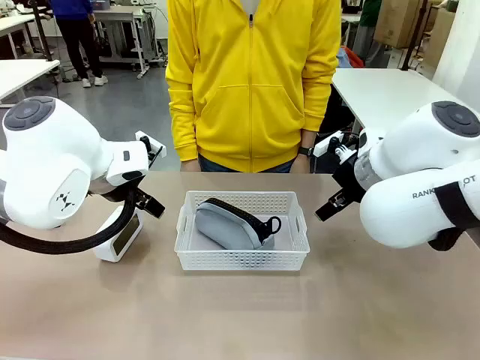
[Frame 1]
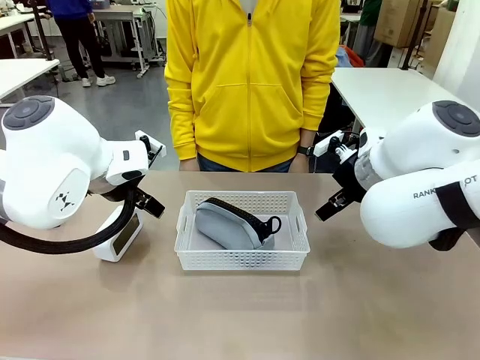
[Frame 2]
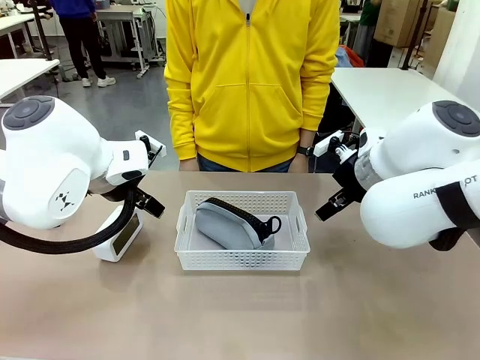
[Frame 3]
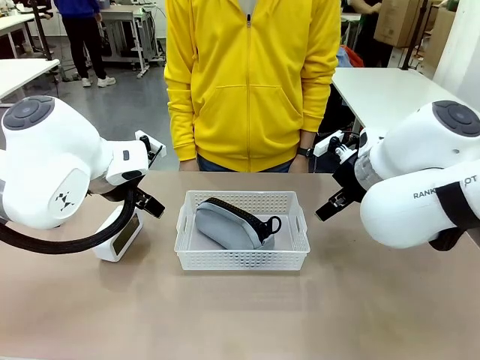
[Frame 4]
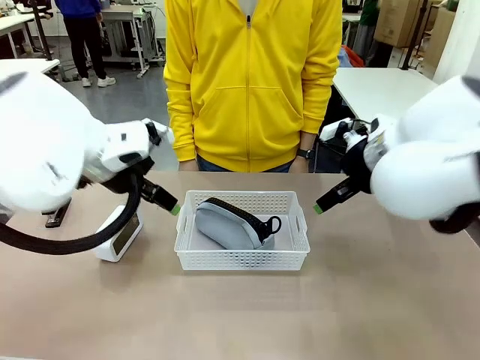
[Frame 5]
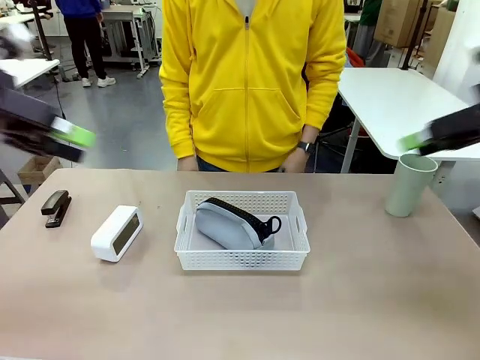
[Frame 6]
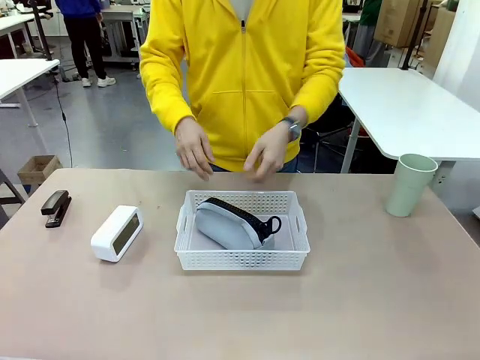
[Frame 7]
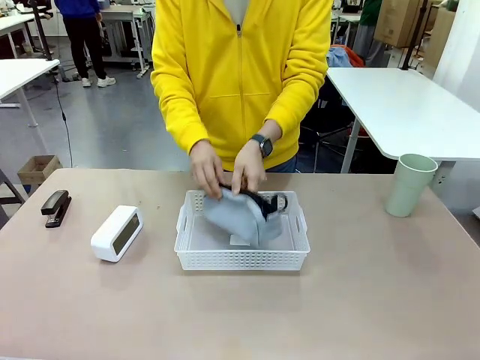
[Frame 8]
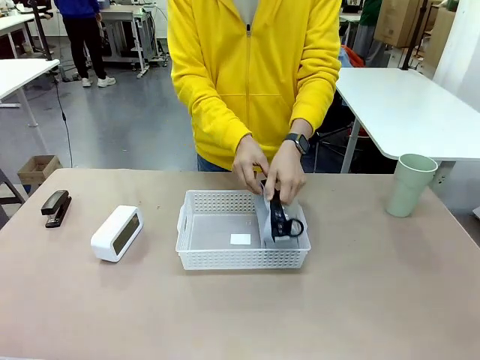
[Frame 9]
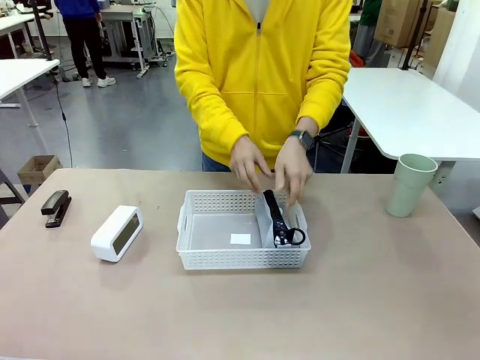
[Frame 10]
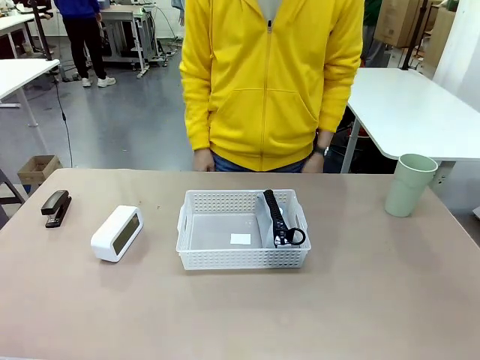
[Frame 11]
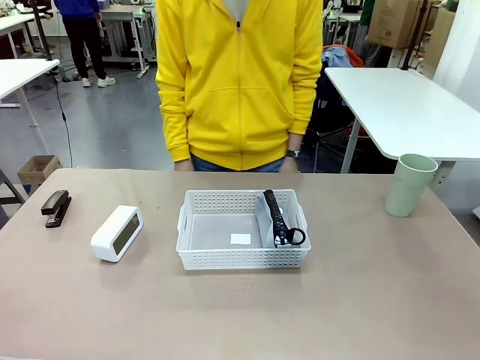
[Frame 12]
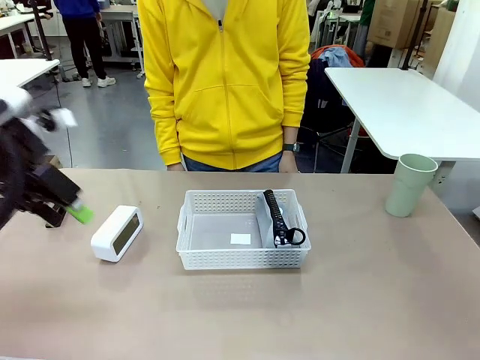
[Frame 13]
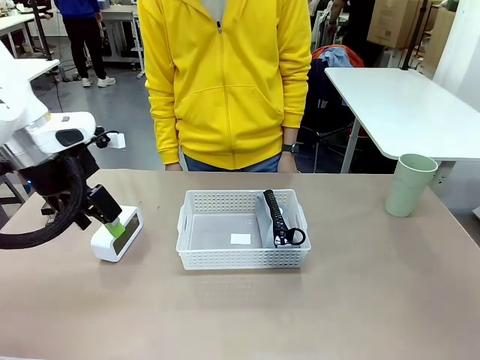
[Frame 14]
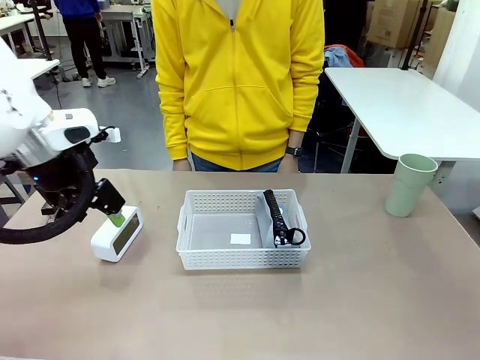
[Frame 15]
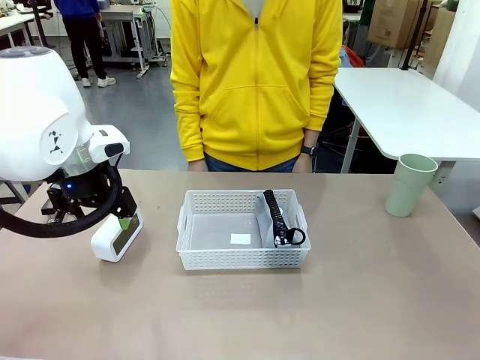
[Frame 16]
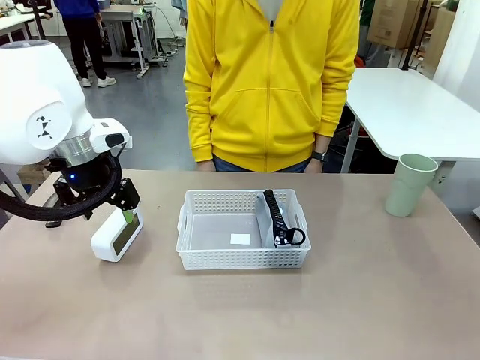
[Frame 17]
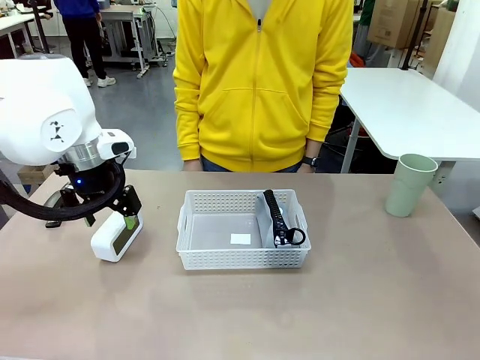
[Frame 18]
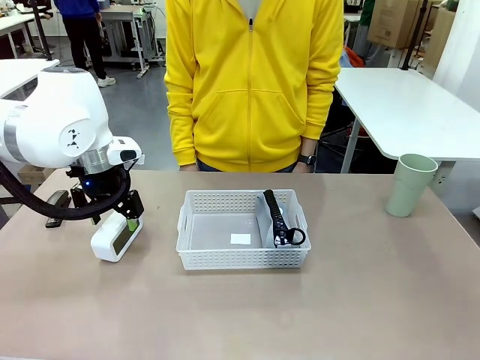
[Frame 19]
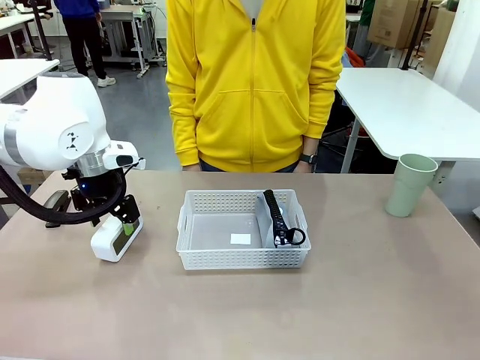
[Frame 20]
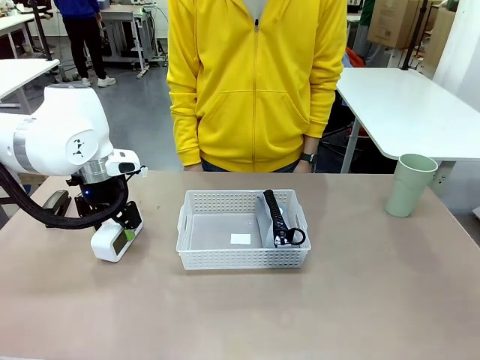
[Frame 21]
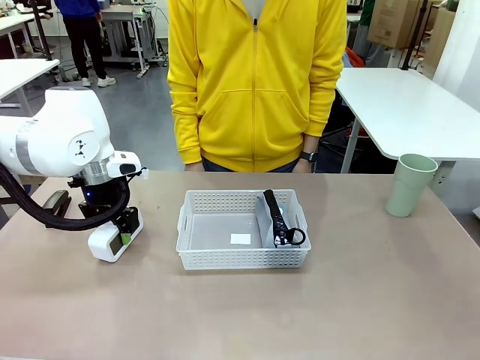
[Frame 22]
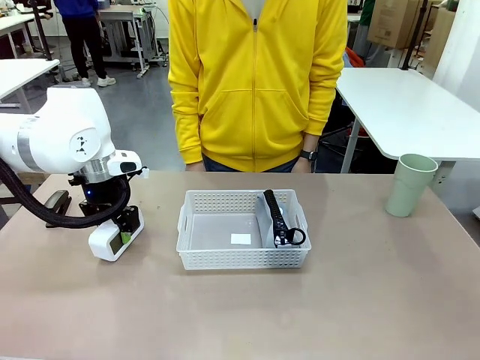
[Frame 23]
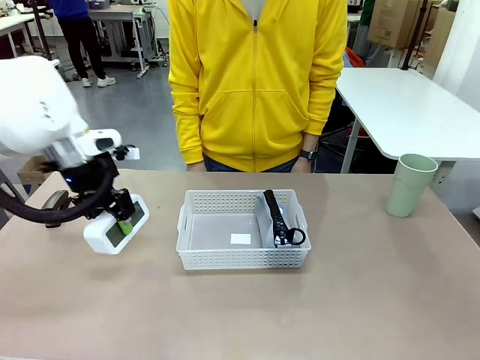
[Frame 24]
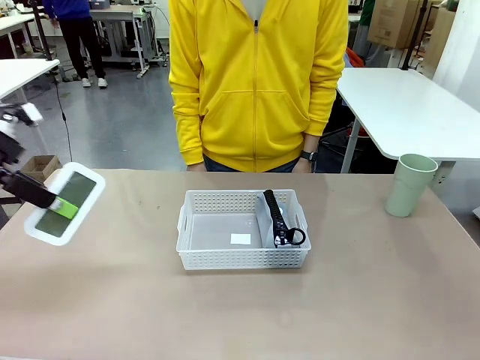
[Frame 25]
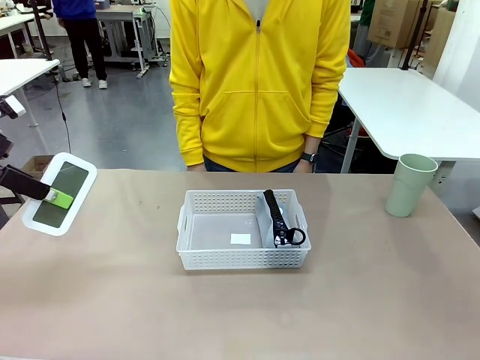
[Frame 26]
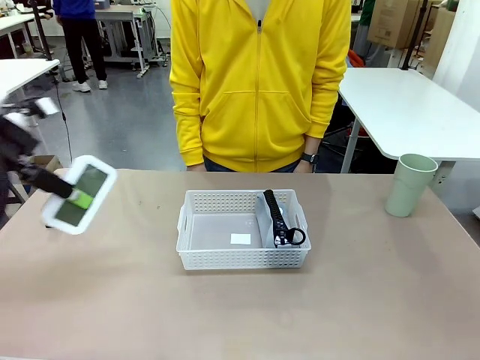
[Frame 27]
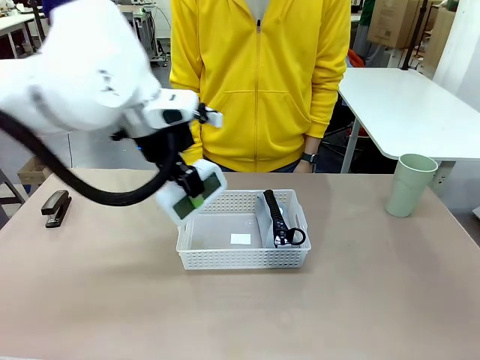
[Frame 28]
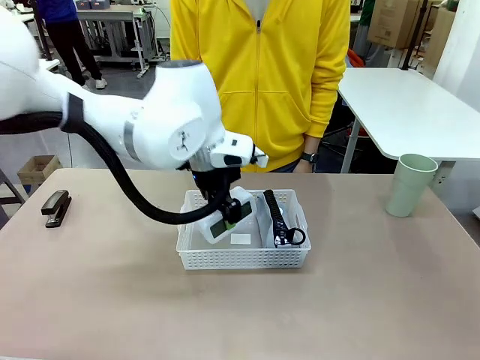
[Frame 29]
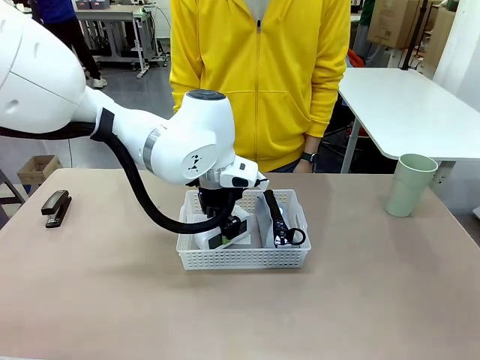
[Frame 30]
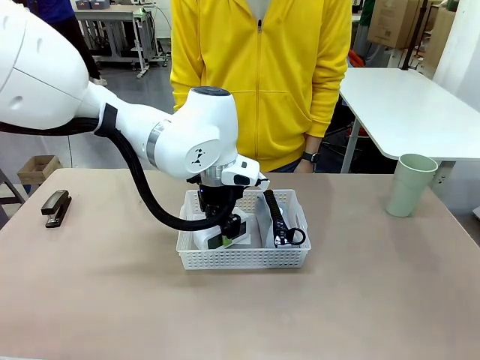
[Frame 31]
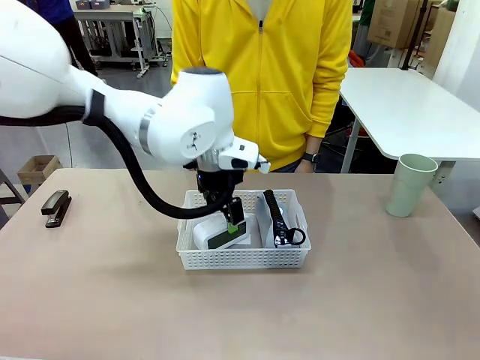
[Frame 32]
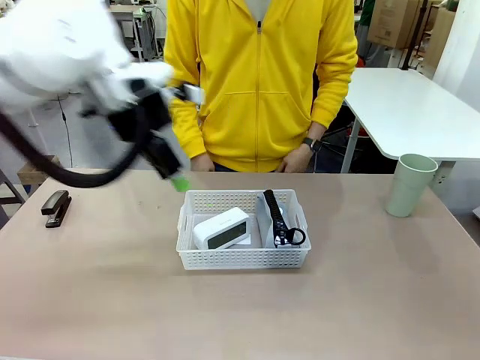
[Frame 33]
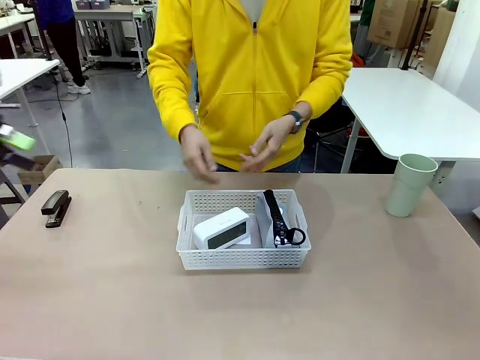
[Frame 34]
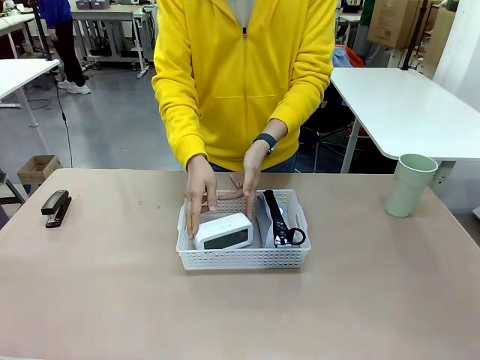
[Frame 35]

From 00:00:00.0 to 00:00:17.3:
Task: Efficiently arrange items inside the basket to fit them all.
Robot: Pick up the Digital clock and place it inside the Organizing basket.
Person: Repositions the pencil case. Repositions the digital clock.

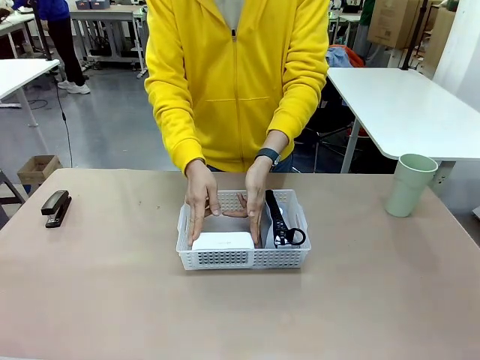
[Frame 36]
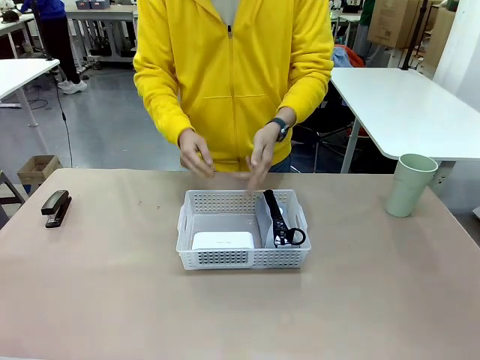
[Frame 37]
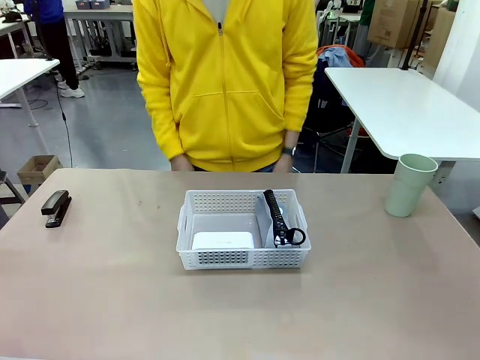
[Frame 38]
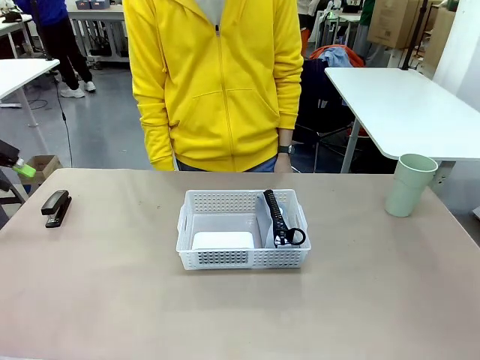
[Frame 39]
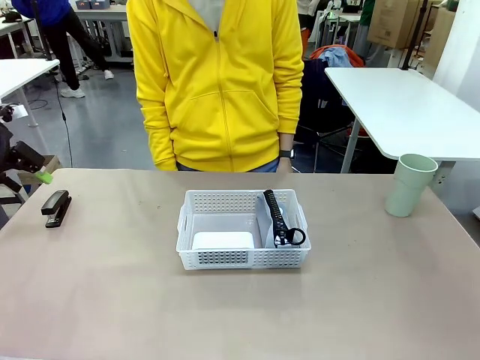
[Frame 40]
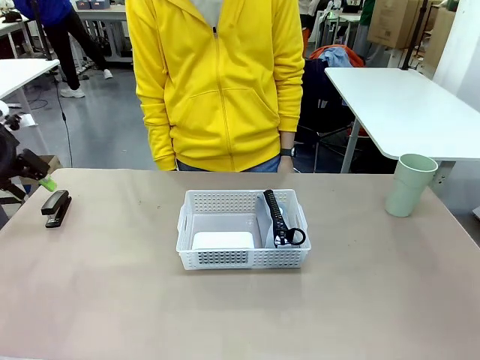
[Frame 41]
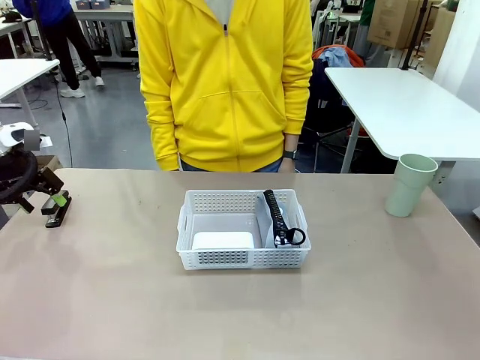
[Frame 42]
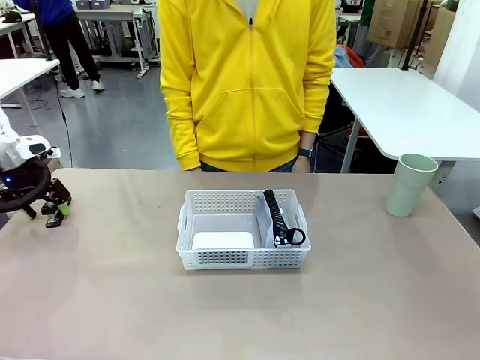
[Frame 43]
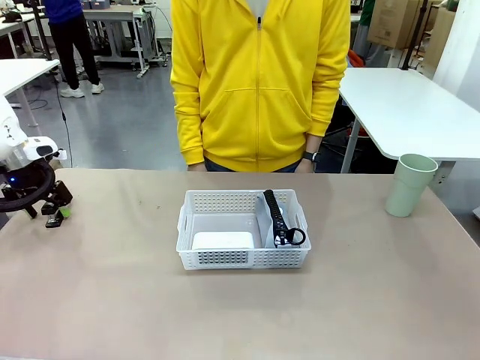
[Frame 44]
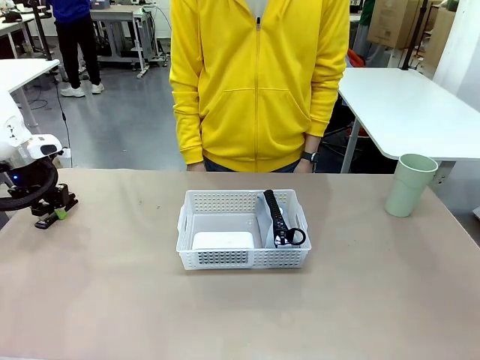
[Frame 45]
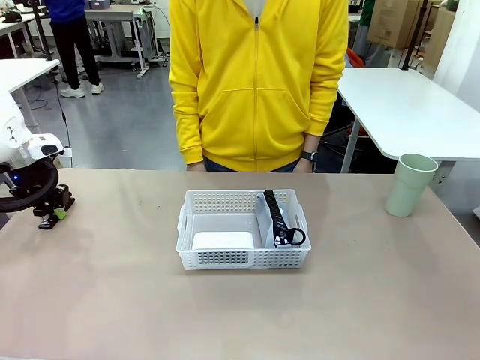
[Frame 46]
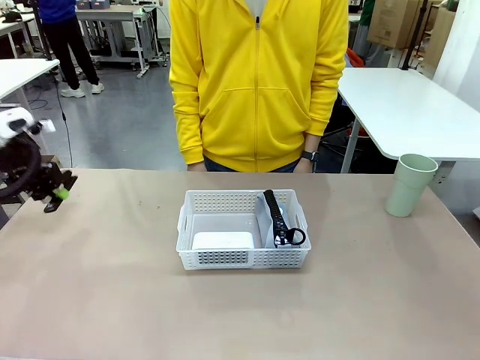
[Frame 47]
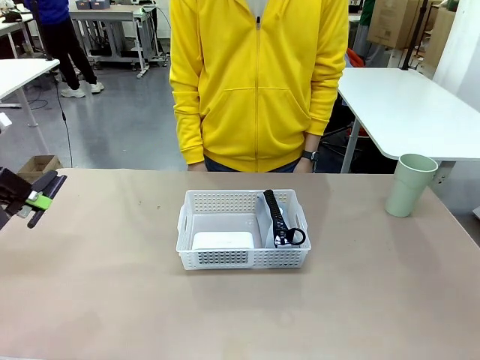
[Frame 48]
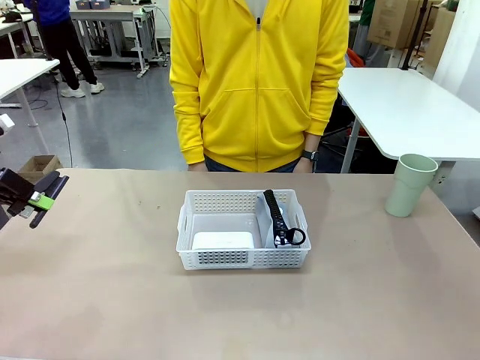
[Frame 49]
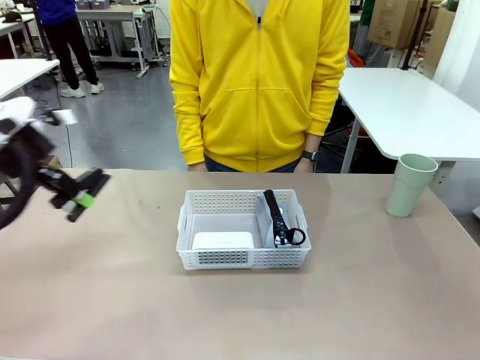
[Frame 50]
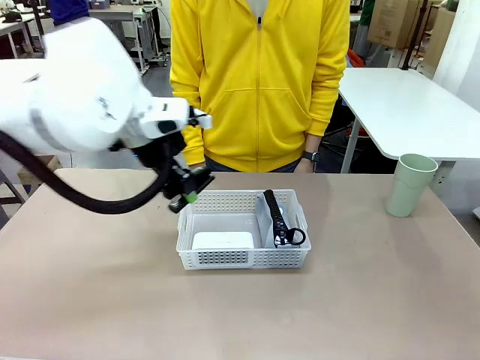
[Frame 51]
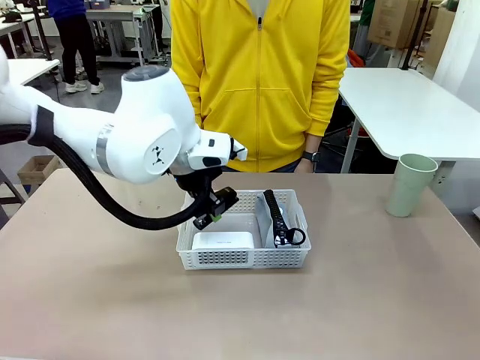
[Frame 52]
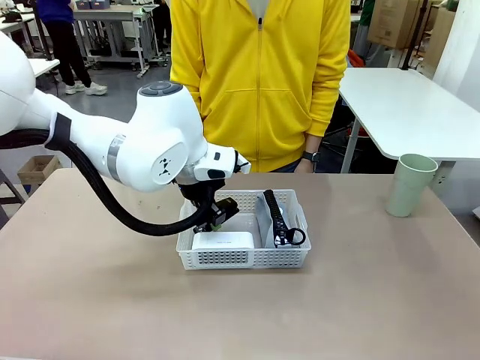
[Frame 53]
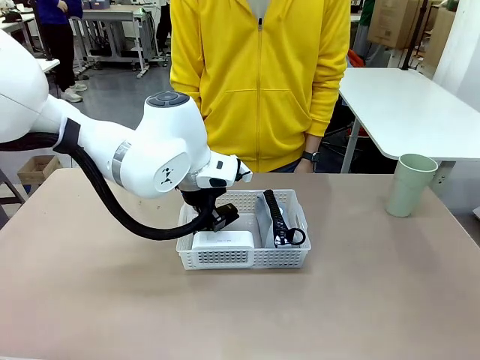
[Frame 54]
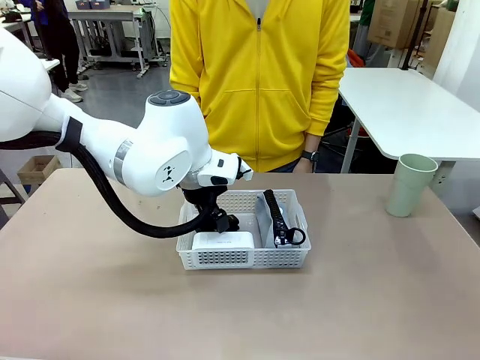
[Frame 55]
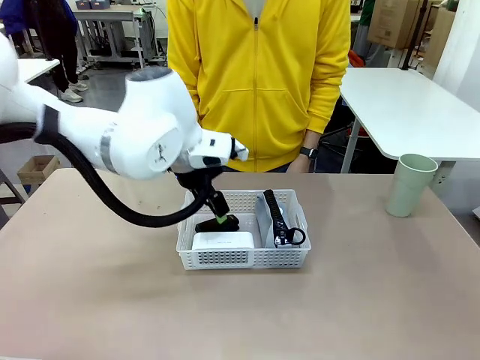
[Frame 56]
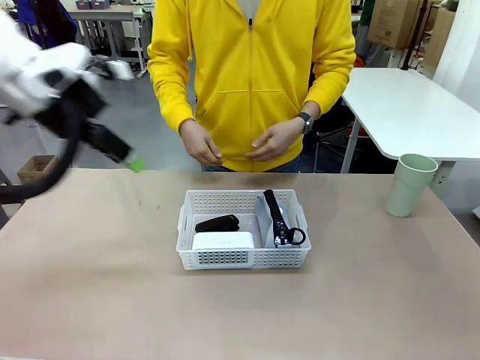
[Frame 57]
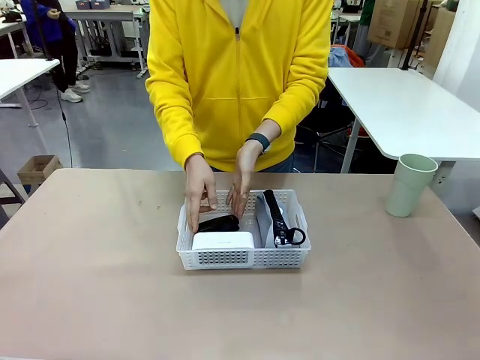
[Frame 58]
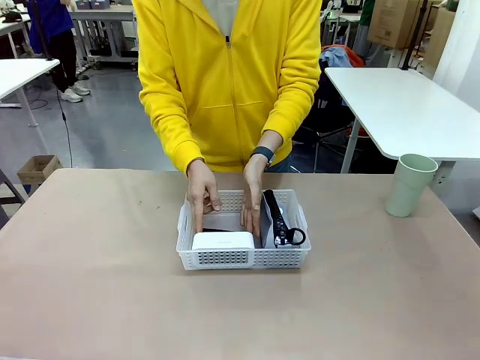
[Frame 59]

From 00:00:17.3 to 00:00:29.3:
Robot: Pick up the Stapler and place it inside the Organizing basket.
